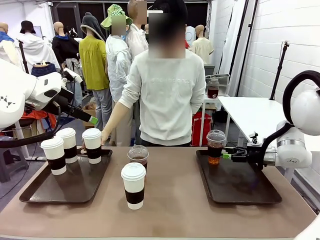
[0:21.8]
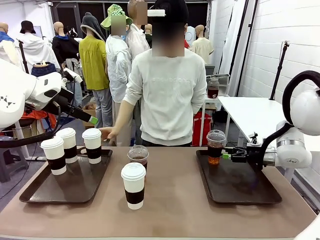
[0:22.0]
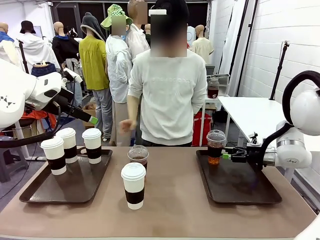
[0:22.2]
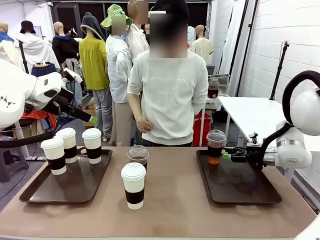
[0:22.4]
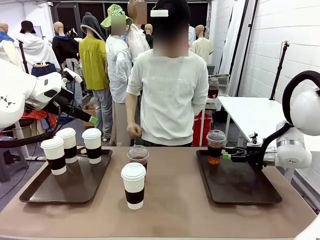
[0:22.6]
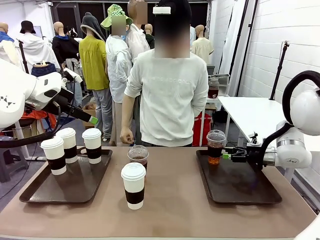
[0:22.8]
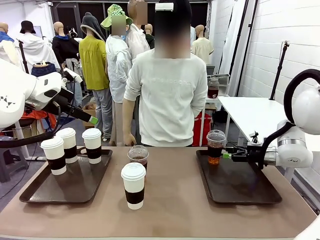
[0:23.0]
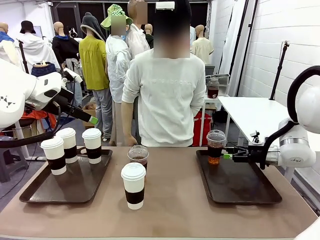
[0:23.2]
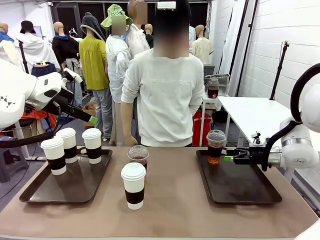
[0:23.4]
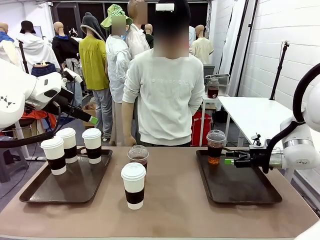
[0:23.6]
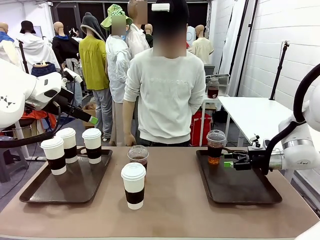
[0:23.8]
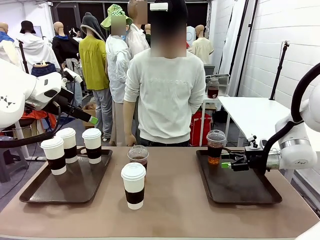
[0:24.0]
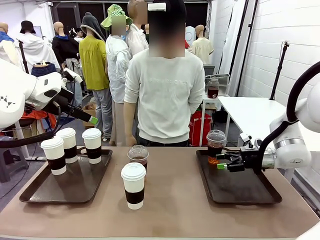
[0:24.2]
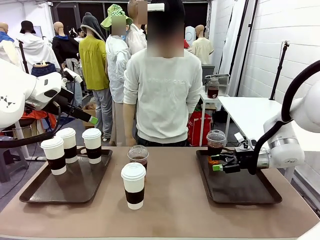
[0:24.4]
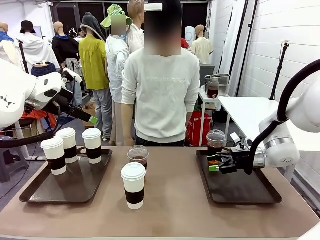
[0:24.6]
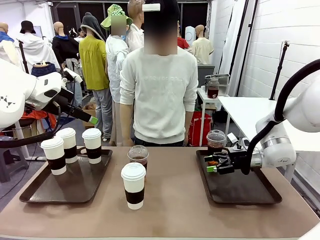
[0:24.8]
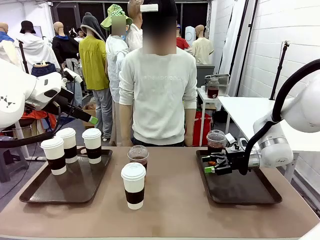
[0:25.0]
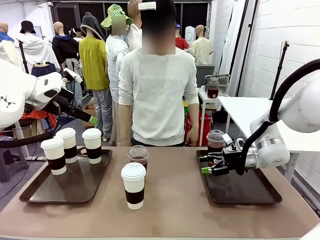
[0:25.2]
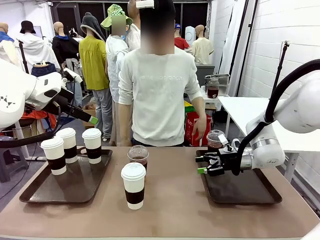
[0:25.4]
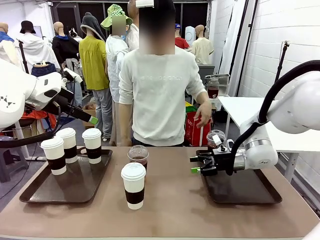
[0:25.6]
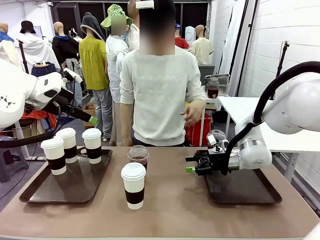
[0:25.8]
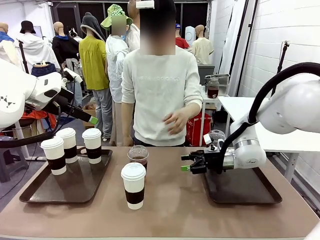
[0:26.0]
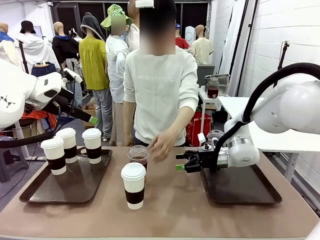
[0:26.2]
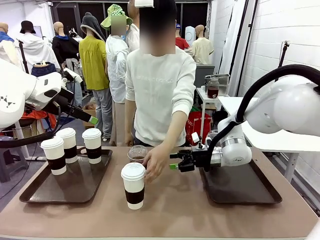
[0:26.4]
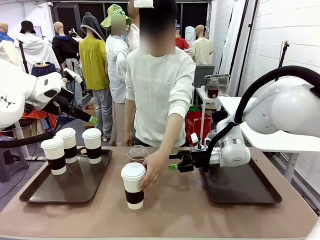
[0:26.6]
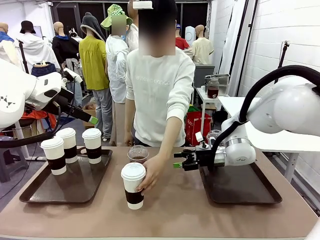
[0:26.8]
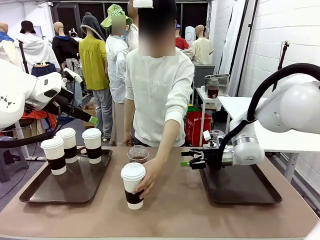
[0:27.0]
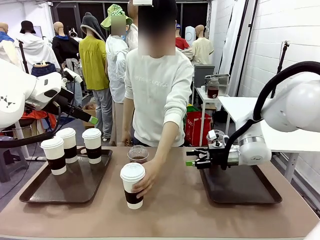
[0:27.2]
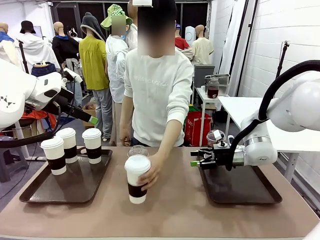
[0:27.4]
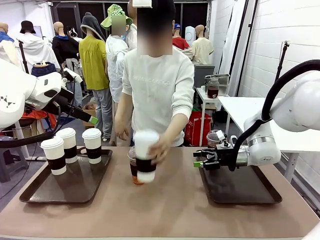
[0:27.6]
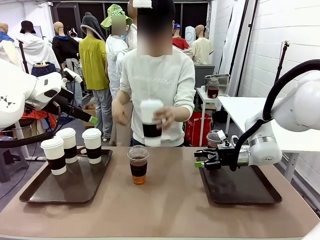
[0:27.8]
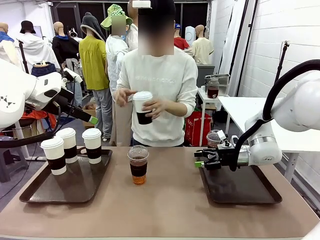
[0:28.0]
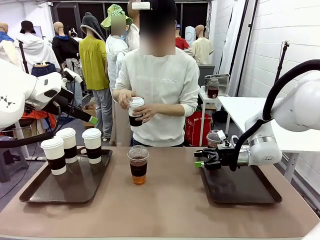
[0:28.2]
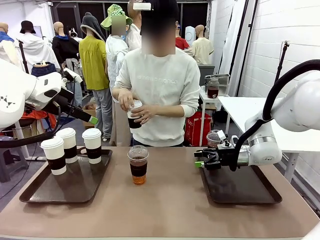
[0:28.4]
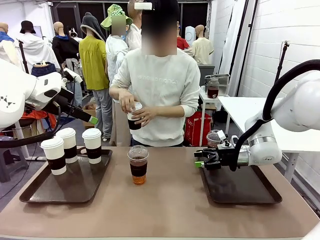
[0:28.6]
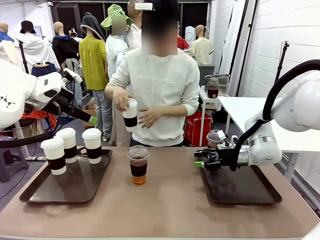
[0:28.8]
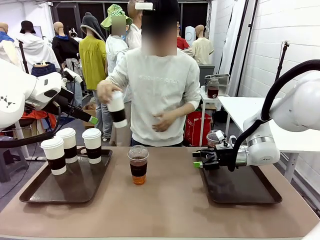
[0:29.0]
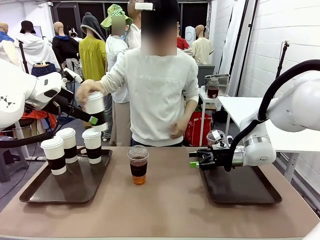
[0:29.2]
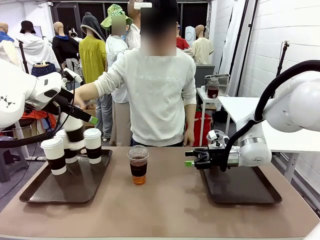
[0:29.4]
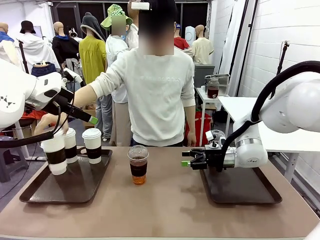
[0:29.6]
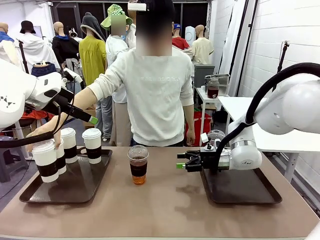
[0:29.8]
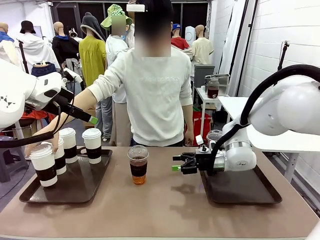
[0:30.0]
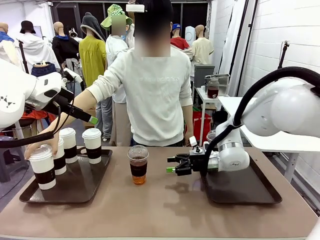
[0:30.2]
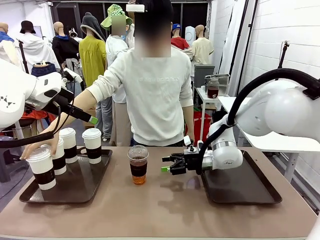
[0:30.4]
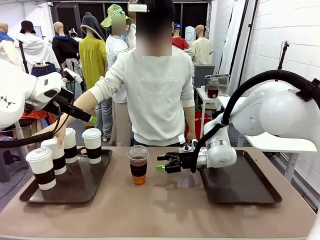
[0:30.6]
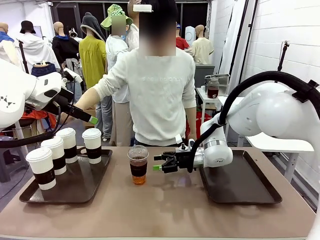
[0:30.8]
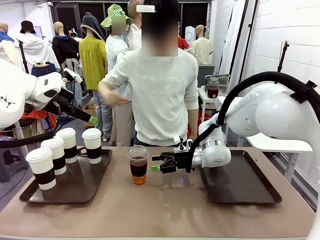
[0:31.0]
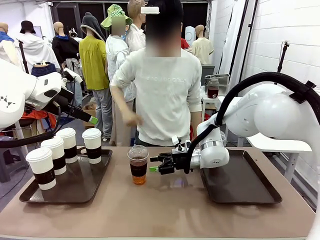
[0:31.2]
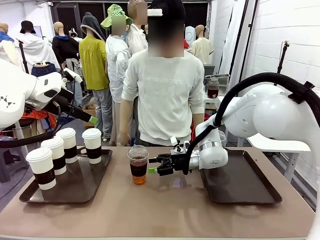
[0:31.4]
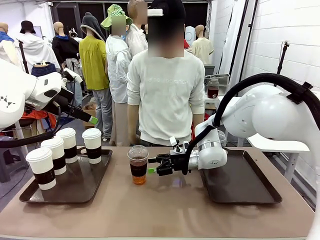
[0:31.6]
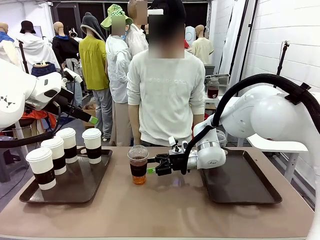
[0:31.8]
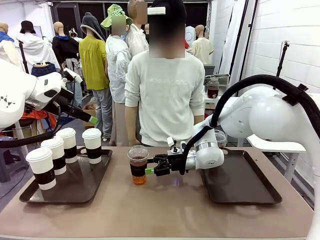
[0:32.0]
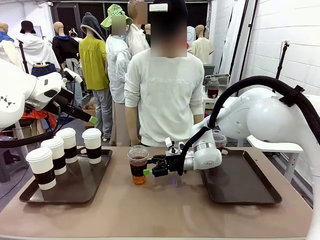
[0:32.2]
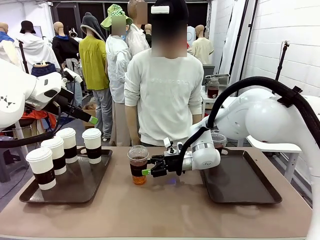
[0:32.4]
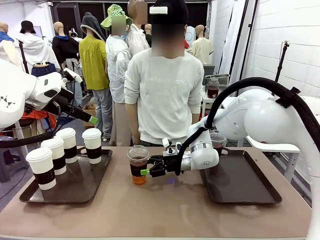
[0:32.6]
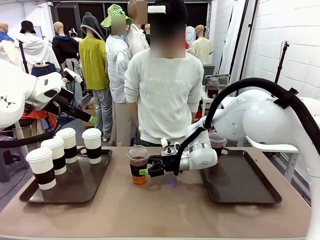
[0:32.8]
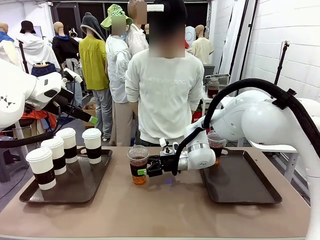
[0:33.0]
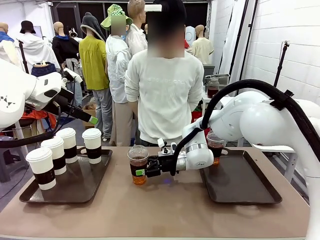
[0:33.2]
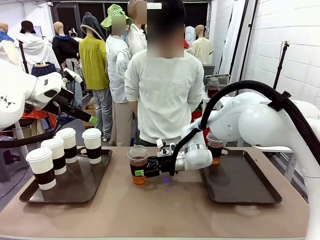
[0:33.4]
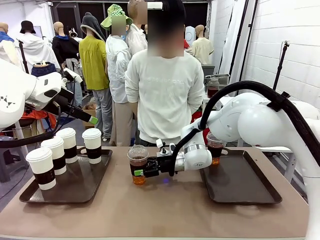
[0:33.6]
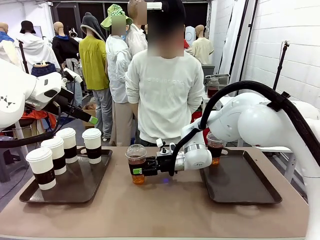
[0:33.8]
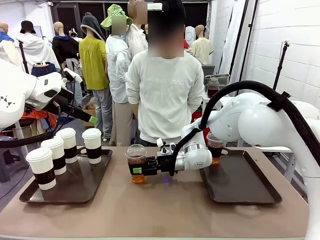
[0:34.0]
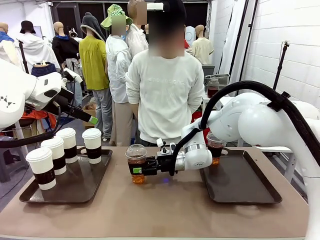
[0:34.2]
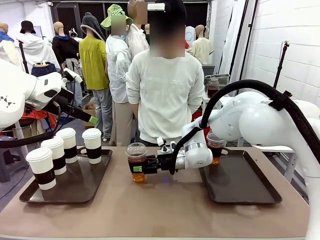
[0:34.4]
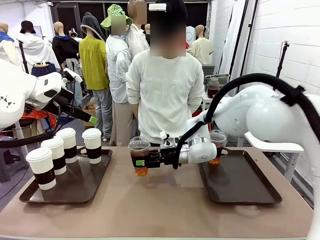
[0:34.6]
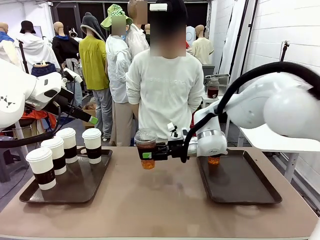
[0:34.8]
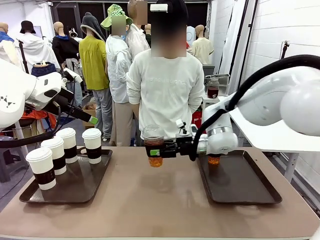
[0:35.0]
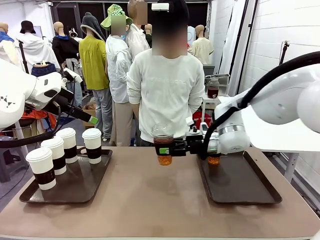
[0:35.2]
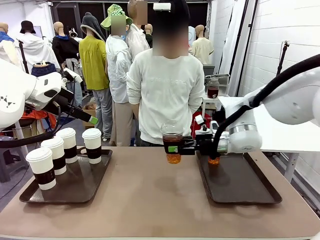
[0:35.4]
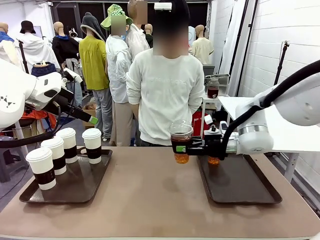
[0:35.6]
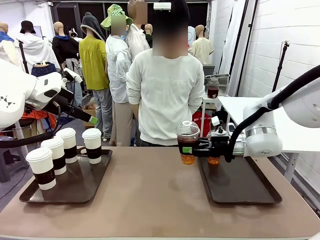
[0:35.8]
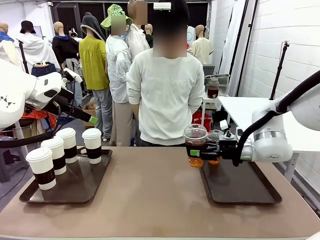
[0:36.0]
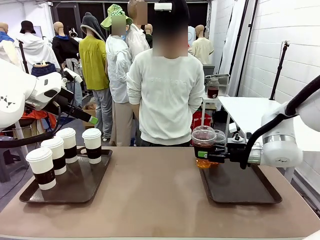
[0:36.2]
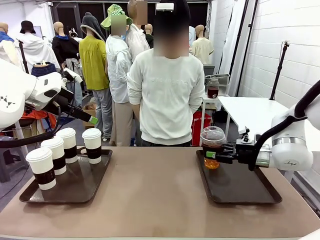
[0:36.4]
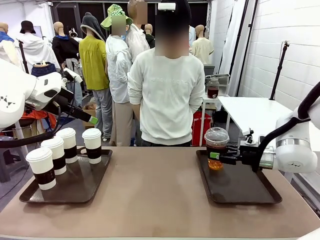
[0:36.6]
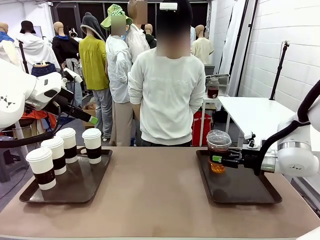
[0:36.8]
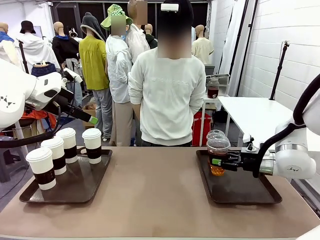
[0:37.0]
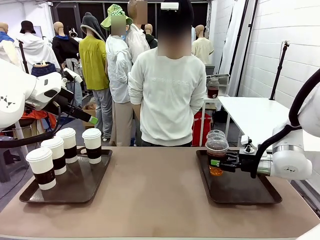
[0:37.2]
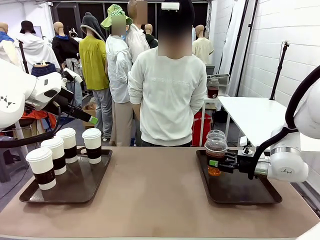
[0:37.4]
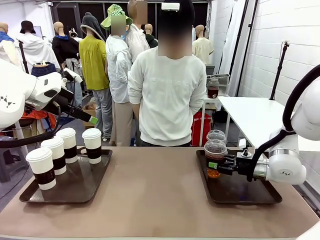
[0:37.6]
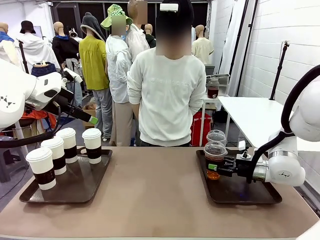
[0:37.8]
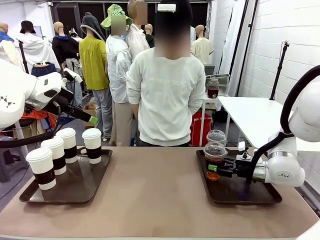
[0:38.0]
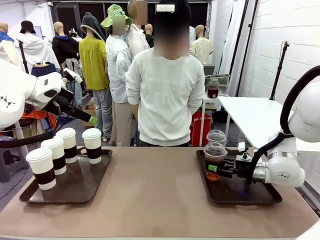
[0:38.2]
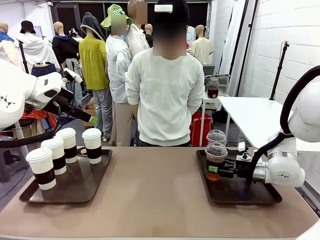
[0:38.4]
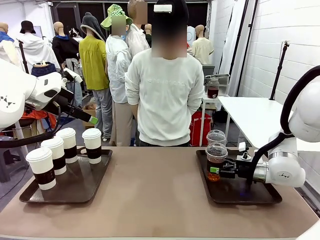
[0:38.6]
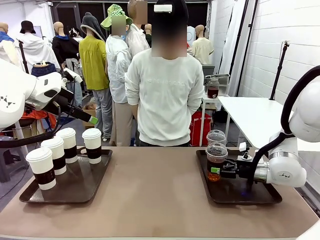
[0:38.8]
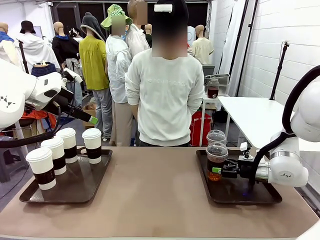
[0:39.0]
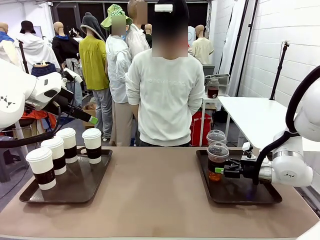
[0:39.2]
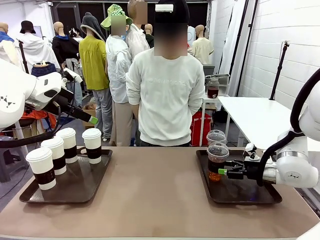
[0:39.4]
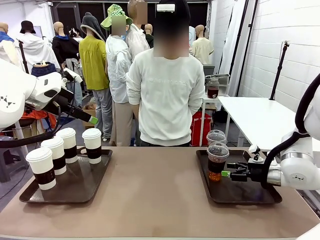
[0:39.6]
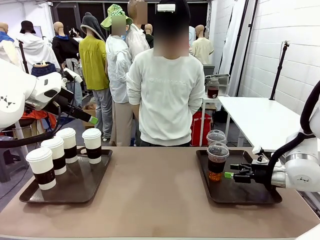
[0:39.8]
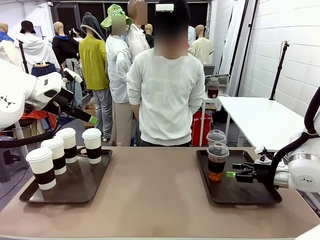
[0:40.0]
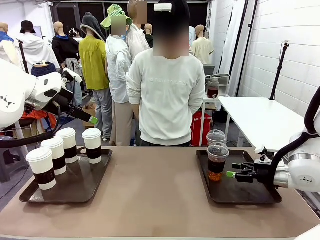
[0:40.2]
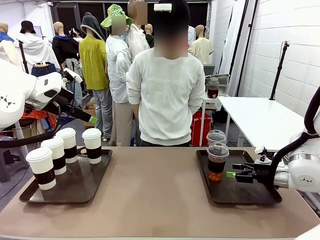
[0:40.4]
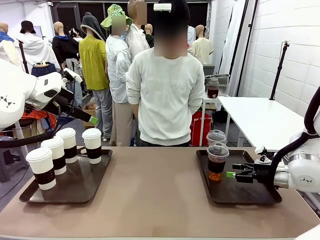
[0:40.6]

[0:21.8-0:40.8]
Task: Distribute the coffee onto the tray.
Robot: Pick up another iced Americano from the middle of the table and place it on the right Handle tray.
Person: Pick up a cup of hot Americano from the middle of the table and place it on the right tray.
